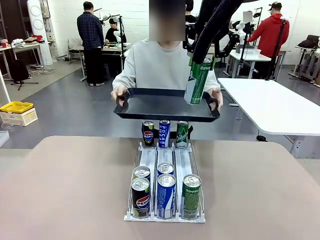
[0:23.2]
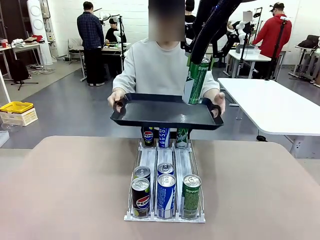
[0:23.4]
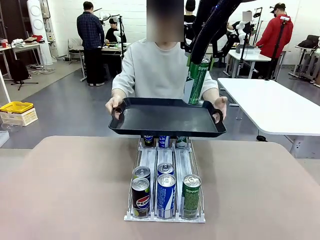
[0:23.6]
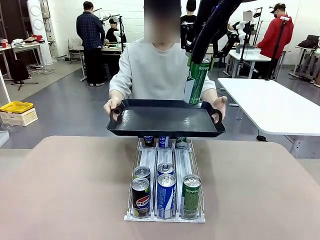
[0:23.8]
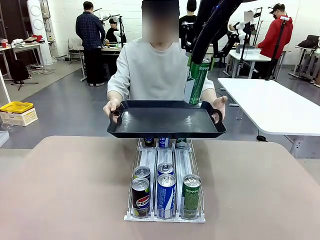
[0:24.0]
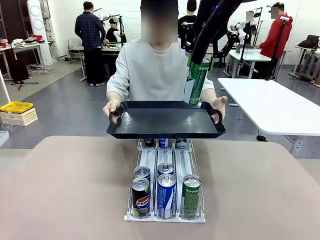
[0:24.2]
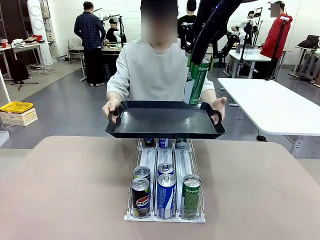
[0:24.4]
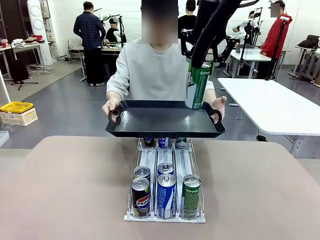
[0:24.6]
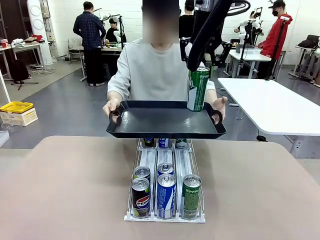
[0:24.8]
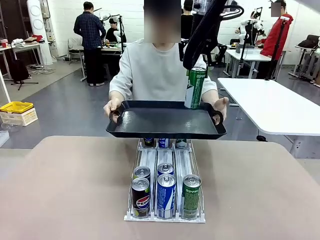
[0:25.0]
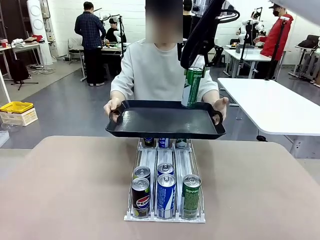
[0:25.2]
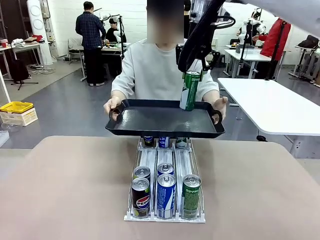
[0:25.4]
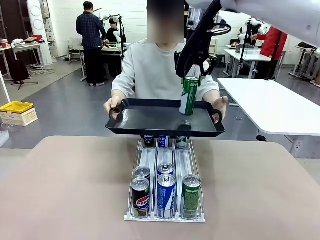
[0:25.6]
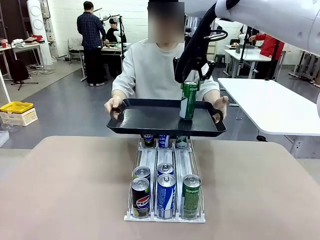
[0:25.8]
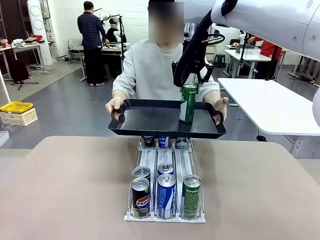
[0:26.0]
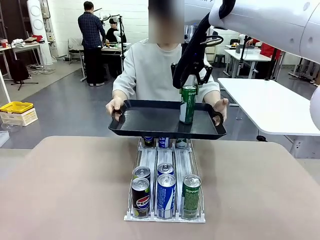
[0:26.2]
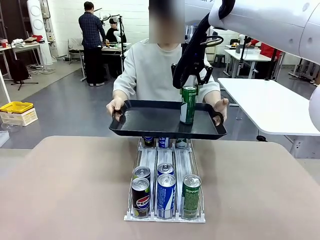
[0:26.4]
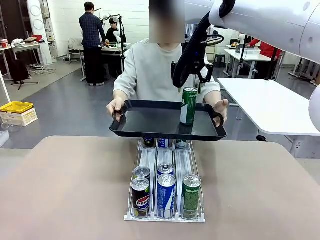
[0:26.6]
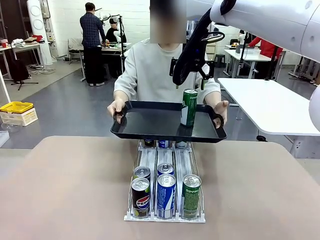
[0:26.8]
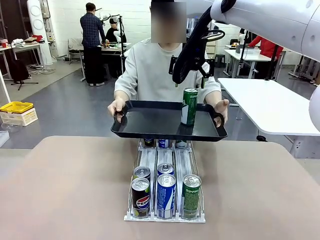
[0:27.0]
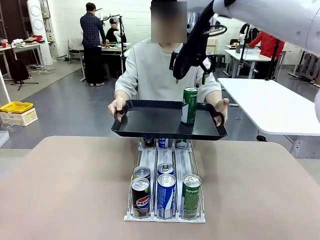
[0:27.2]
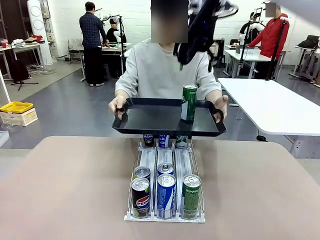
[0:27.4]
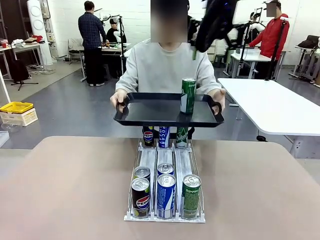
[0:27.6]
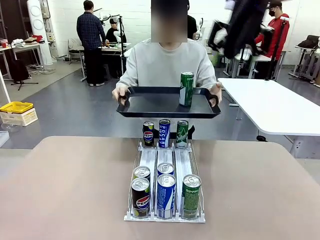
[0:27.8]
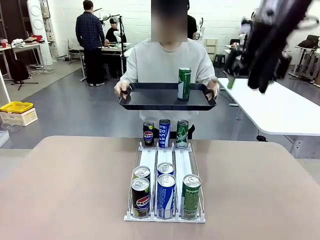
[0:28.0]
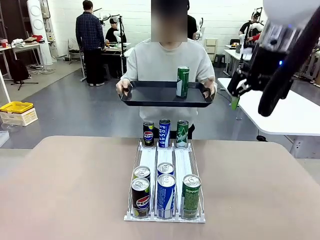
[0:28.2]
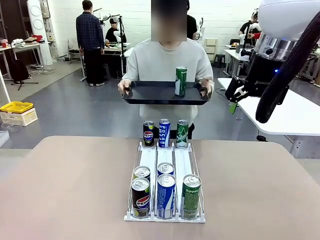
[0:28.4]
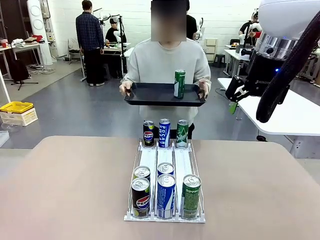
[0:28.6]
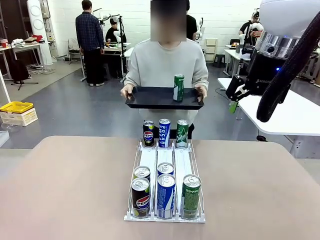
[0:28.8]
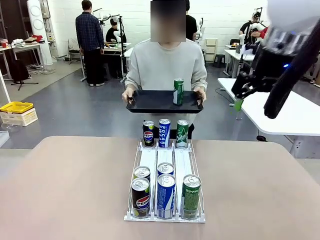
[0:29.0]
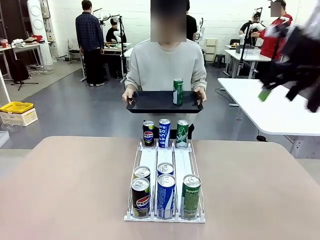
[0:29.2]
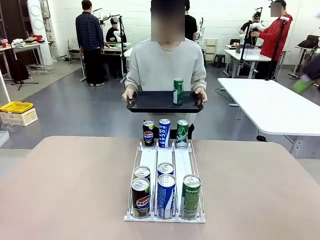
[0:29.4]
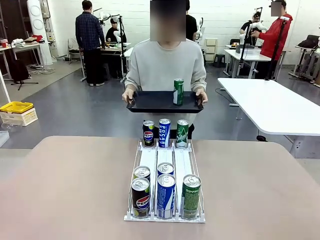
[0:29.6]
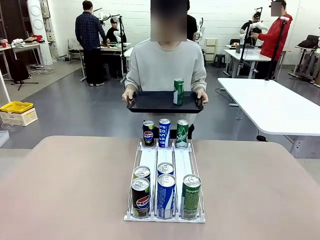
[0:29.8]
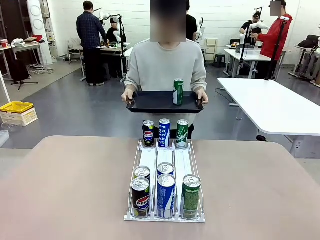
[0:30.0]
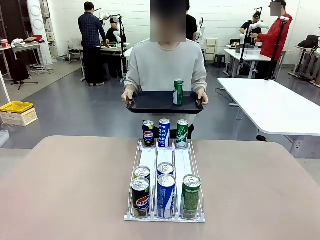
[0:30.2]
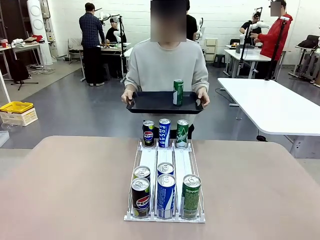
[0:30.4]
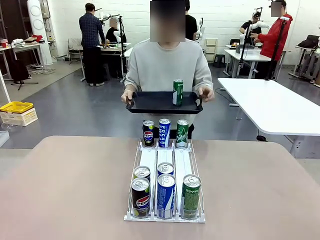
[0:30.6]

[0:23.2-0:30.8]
Task: Retrieve and hand over the desired beverage to the person.
Robot: Place the picked can on the Handle tray extended by the person.
Person: Pull the tray back, then pick up another can from the bottom area of the table and puts it back in its original place.

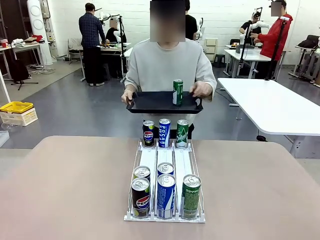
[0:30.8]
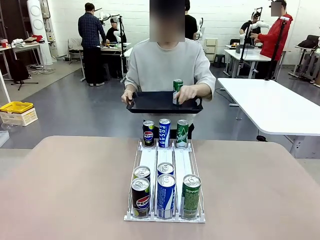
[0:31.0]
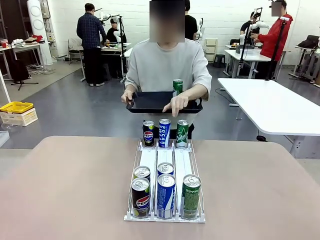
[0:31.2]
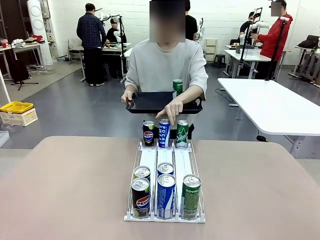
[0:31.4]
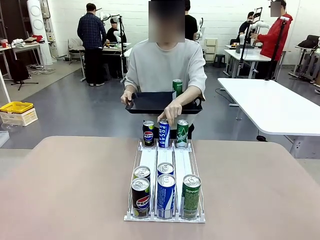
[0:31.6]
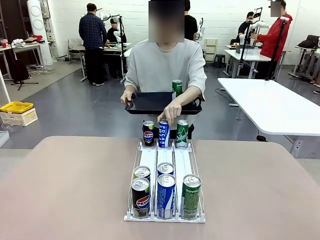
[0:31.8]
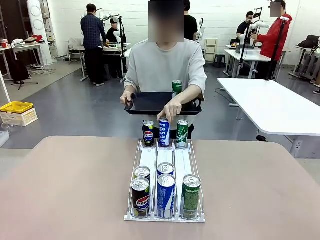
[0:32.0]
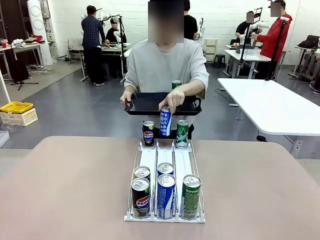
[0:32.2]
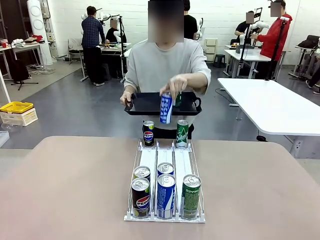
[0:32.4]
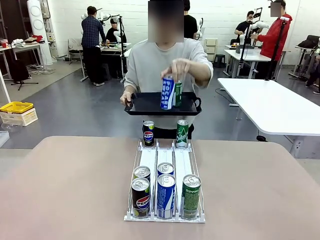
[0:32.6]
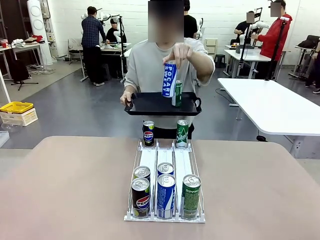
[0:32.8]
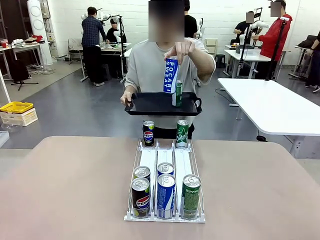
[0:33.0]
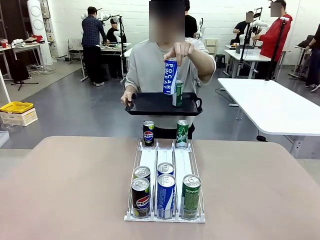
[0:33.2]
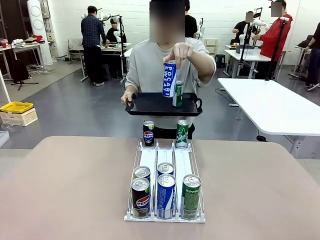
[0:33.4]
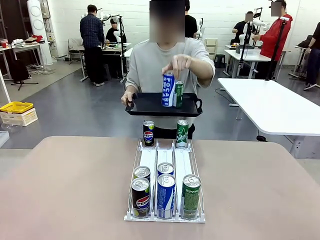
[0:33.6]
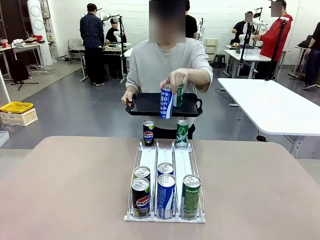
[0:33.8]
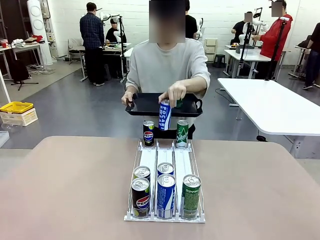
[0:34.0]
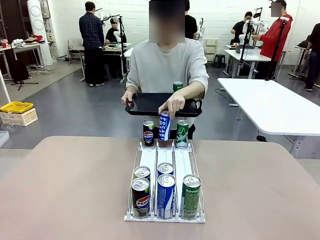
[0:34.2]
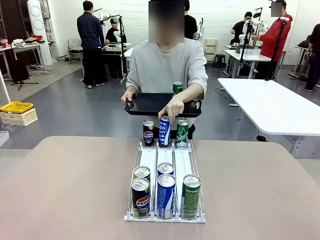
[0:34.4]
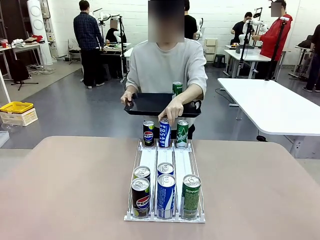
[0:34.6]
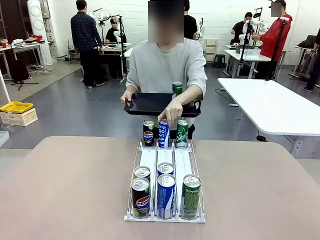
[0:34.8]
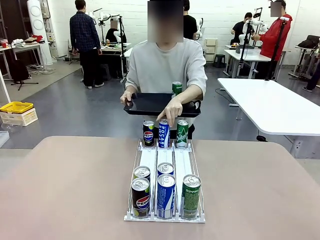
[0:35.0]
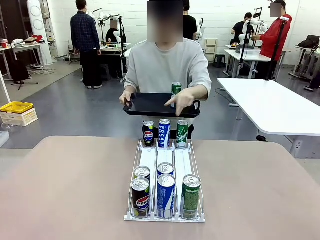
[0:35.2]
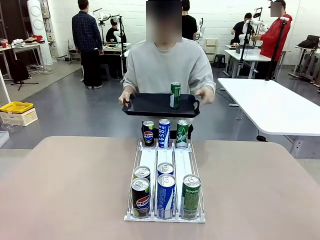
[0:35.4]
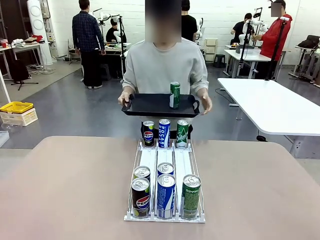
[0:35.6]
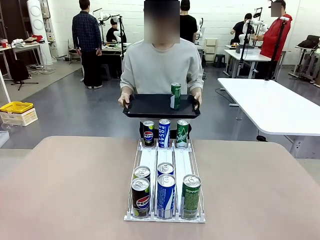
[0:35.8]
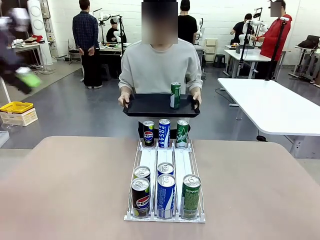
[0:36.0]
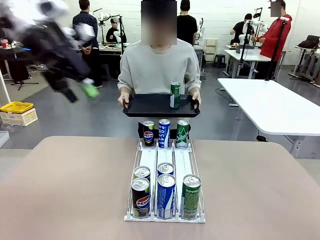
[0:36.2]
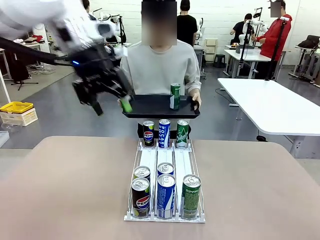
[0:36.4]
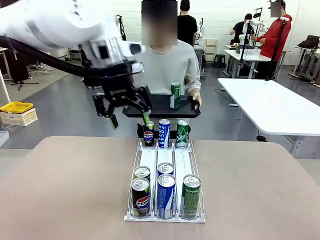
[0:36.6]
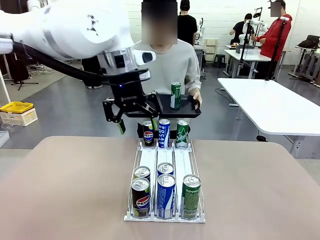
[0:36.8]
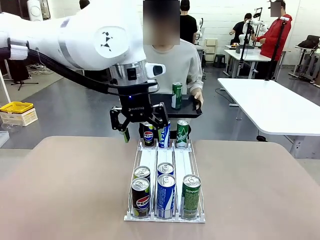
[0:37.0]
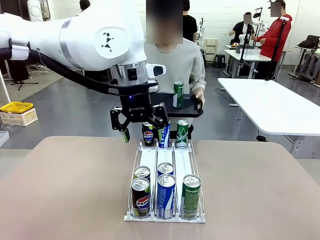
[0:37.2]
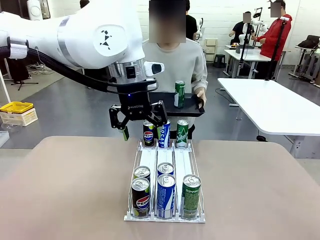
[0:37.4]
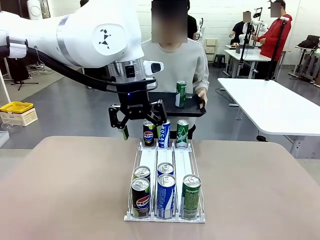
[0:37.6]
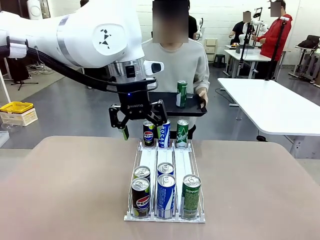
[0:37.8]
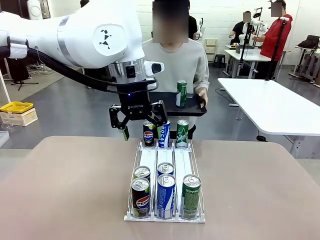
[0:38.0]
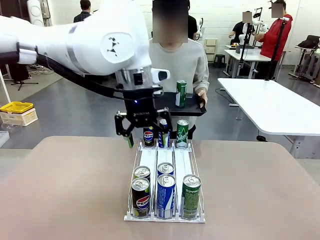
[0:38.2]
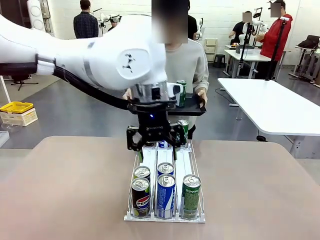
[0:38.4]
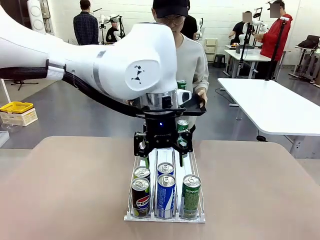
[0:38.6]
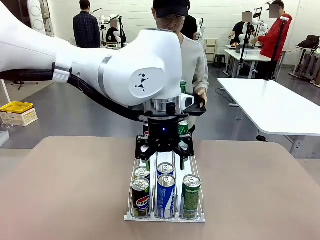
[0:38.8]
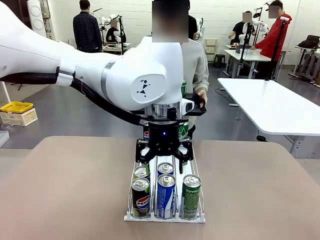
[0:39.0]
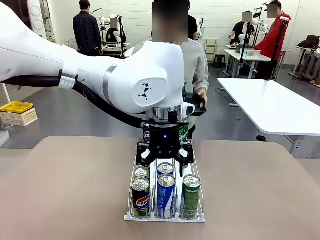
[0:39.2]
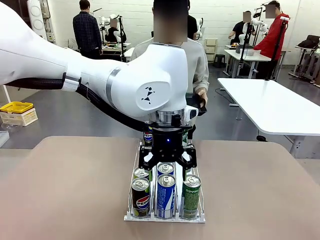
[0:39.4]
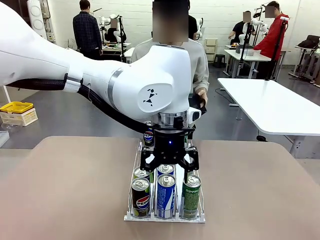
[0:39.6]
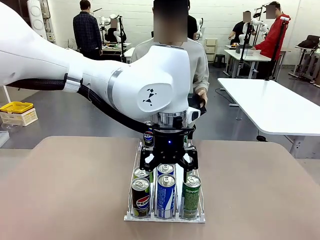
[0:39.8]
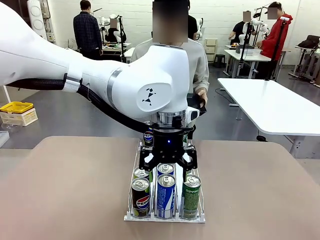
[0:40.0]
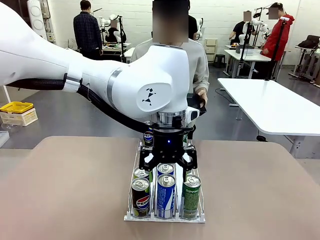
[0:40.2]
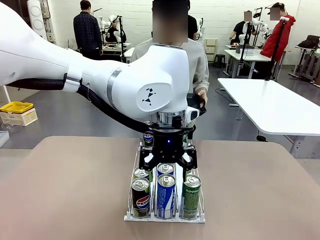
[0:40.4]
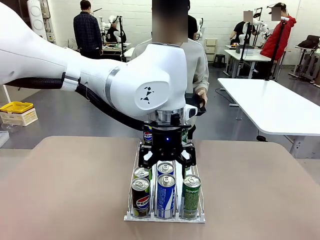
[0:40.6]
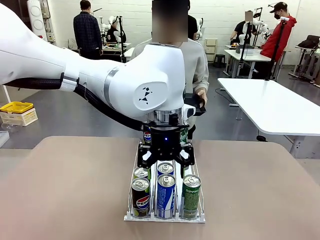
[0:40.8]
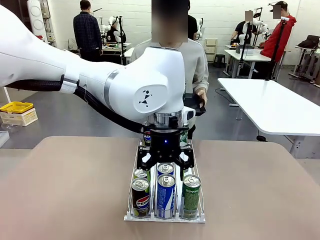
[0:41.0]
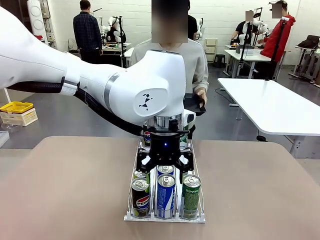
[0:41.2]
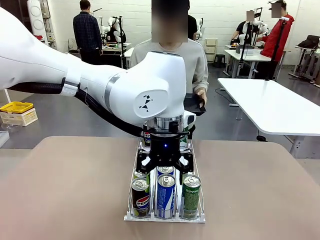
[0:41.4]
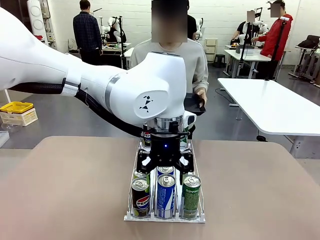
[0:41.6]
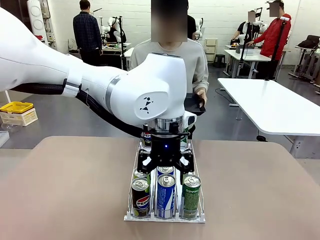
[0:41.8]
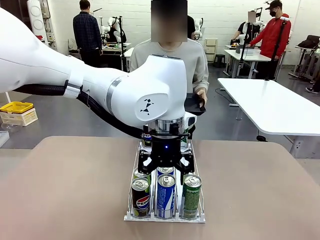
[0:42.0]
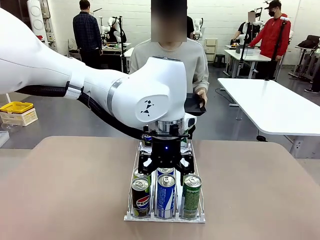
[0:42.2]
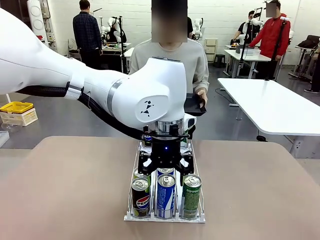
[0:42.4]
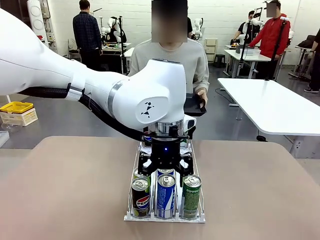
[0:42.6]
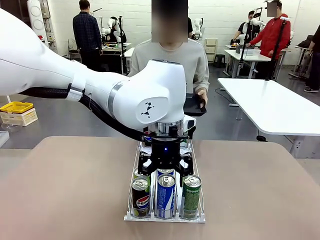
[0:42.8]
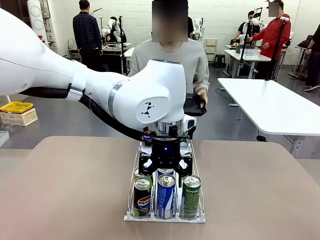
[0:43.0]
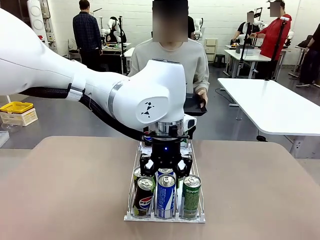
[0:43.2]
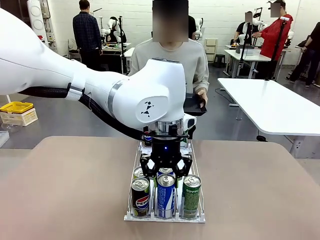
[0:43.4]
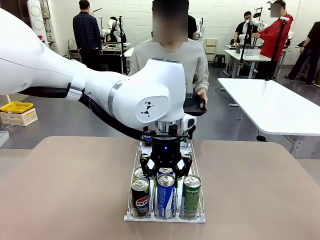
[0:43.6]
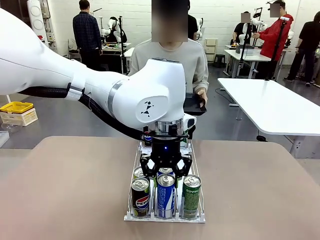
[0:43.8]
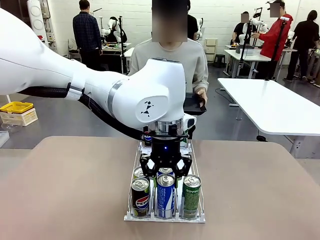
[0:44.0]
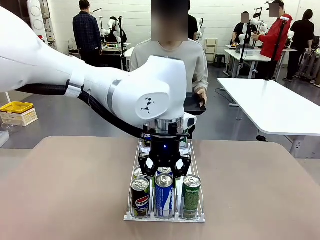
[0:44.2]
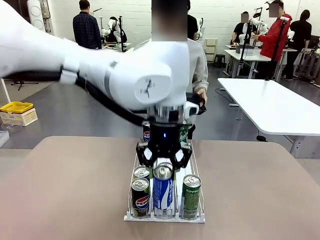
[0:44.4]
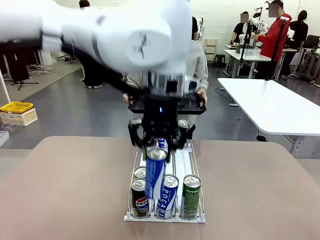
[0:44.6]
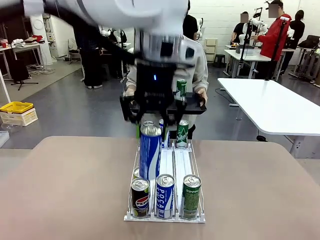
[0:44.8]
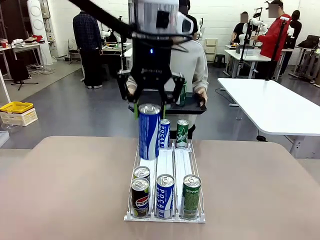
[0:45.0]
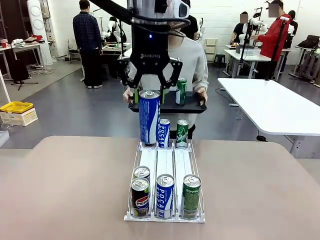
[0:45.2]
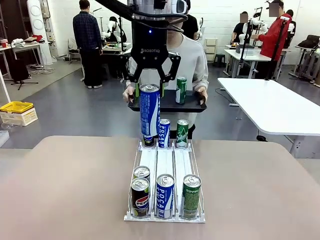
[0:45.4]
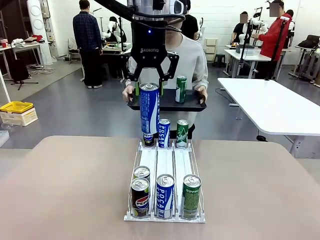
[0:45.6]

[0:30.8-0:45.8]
Robot: Pick up another can of the same type that the person held from the Automatic Can Dispenser.
Person: Push the tray toward the robot again.
